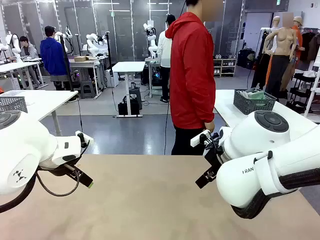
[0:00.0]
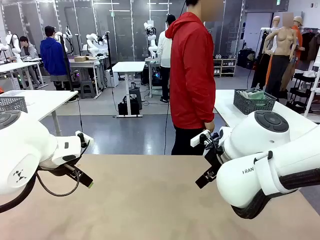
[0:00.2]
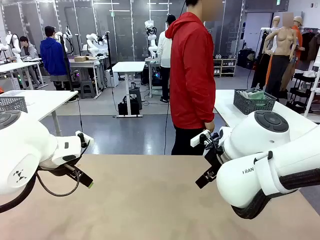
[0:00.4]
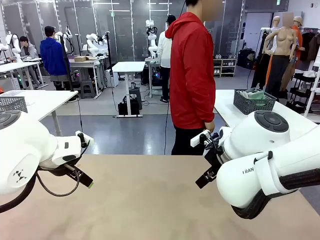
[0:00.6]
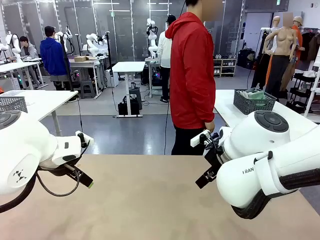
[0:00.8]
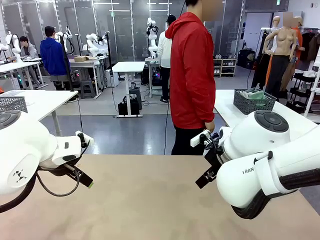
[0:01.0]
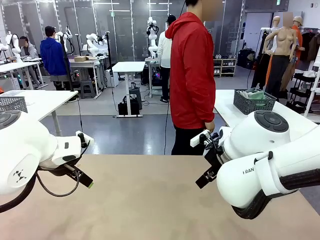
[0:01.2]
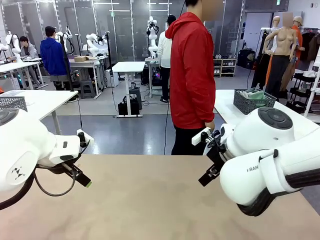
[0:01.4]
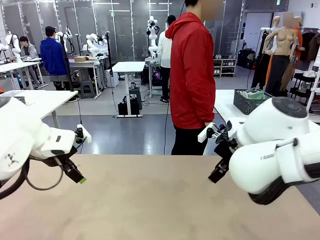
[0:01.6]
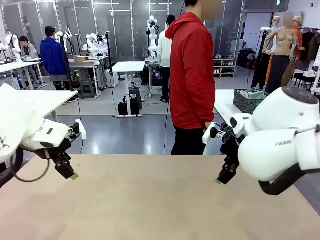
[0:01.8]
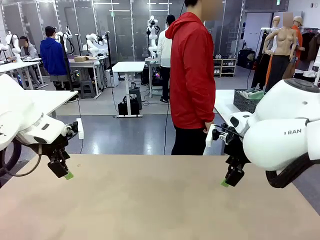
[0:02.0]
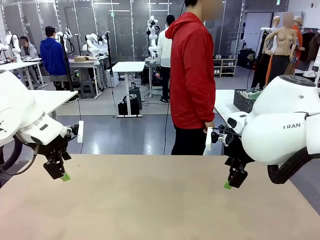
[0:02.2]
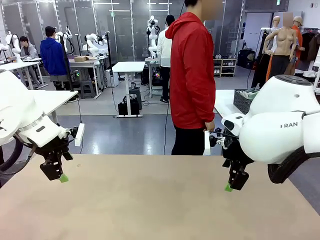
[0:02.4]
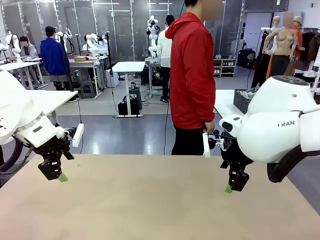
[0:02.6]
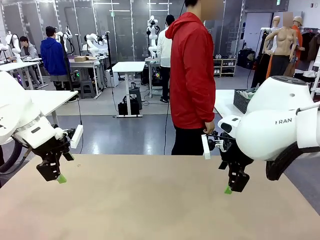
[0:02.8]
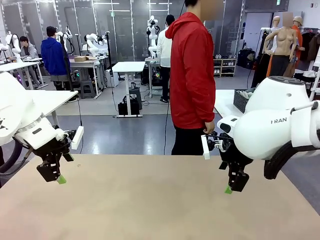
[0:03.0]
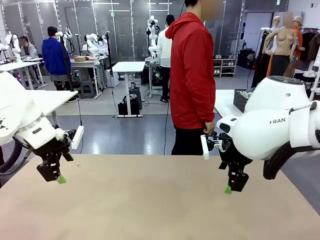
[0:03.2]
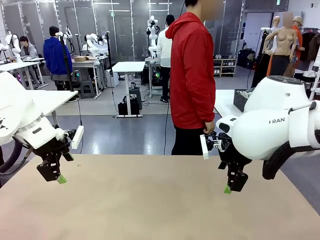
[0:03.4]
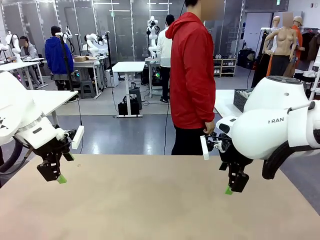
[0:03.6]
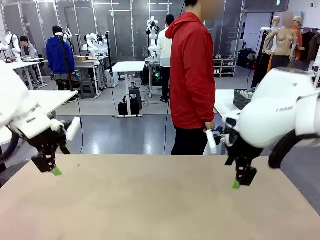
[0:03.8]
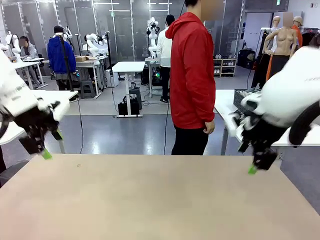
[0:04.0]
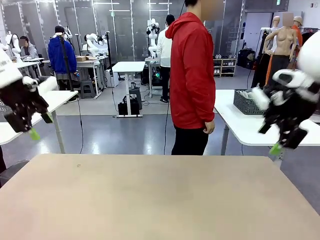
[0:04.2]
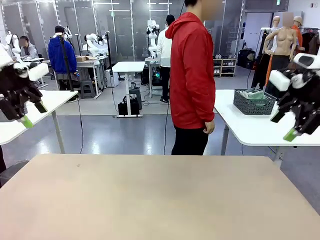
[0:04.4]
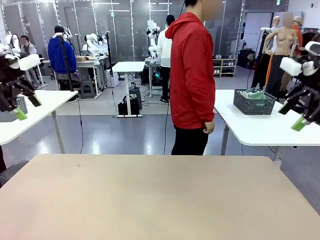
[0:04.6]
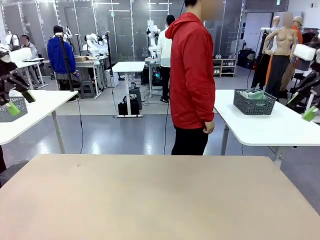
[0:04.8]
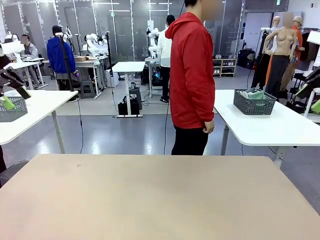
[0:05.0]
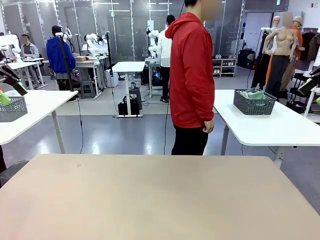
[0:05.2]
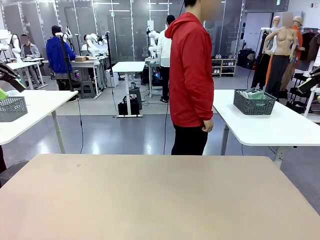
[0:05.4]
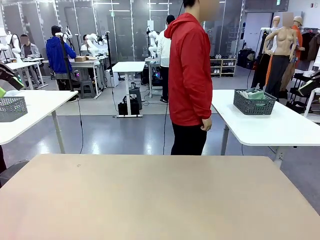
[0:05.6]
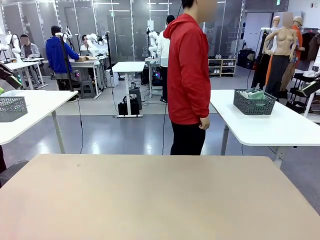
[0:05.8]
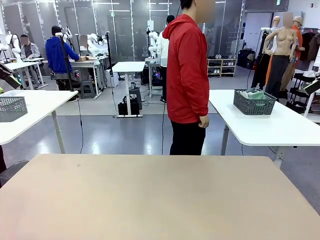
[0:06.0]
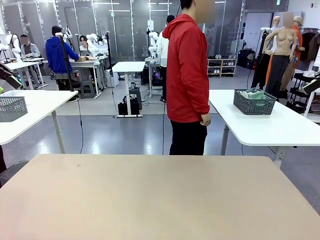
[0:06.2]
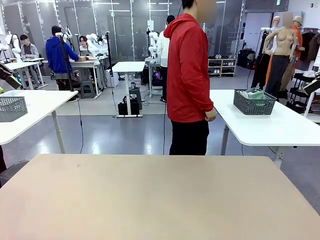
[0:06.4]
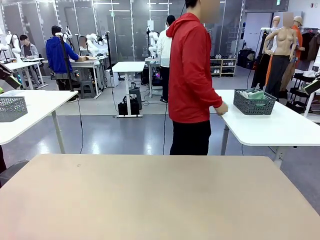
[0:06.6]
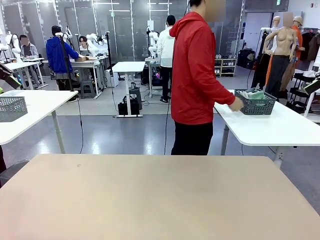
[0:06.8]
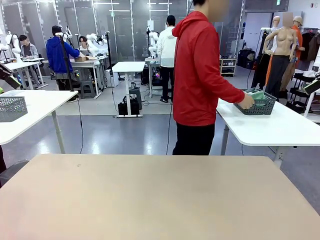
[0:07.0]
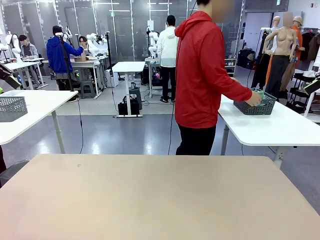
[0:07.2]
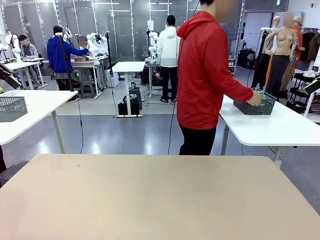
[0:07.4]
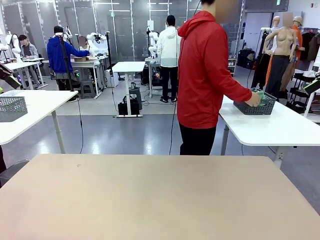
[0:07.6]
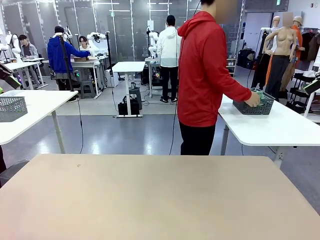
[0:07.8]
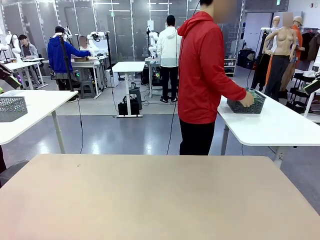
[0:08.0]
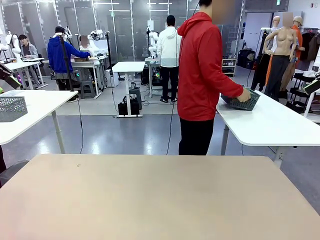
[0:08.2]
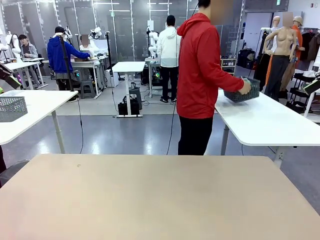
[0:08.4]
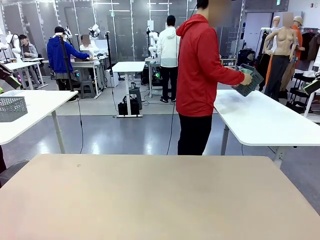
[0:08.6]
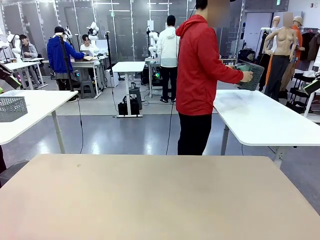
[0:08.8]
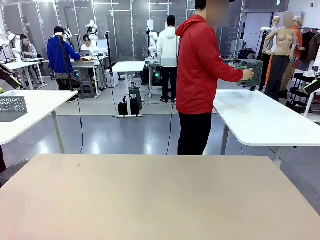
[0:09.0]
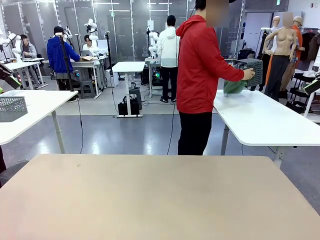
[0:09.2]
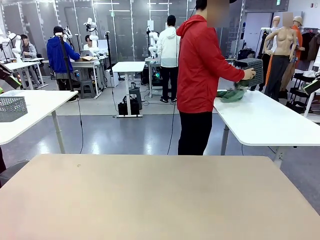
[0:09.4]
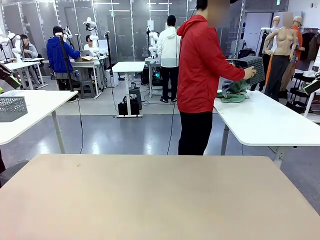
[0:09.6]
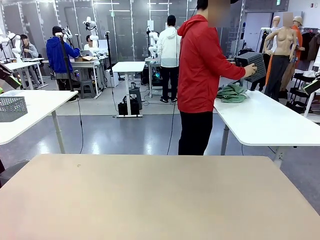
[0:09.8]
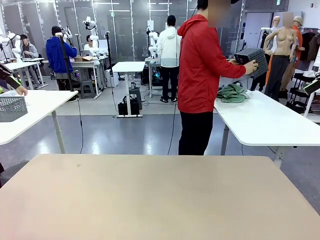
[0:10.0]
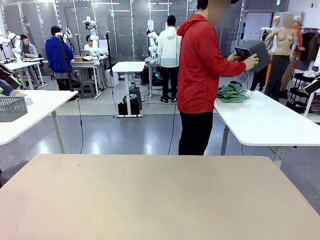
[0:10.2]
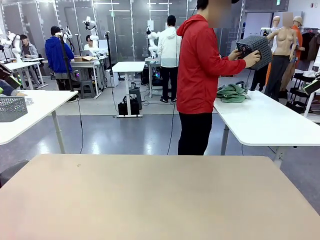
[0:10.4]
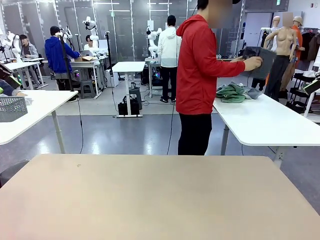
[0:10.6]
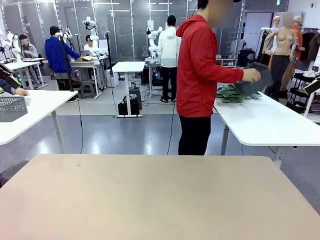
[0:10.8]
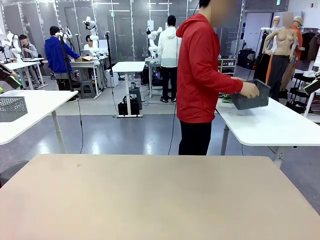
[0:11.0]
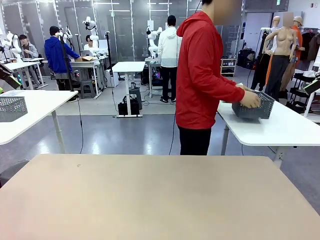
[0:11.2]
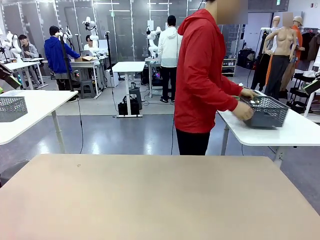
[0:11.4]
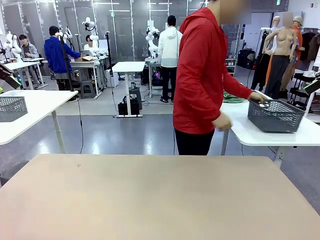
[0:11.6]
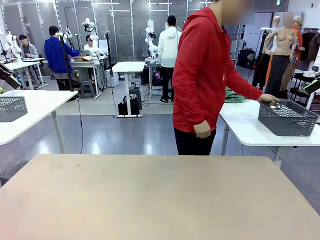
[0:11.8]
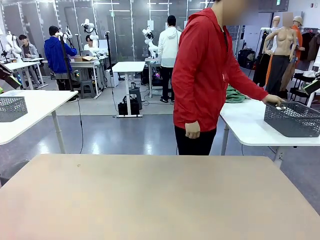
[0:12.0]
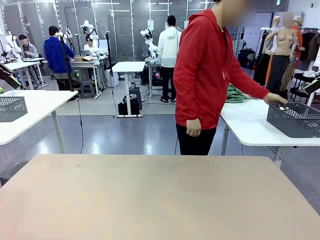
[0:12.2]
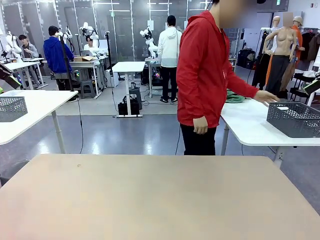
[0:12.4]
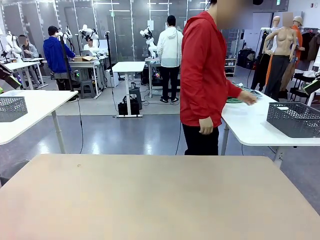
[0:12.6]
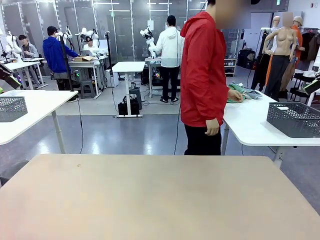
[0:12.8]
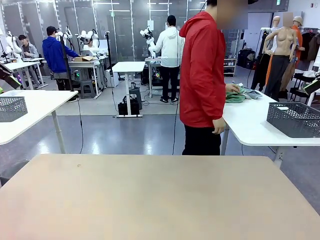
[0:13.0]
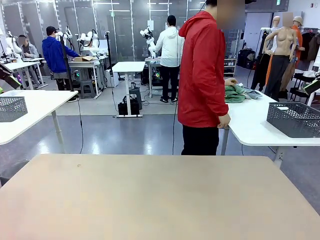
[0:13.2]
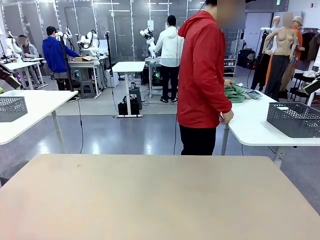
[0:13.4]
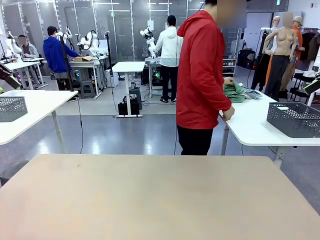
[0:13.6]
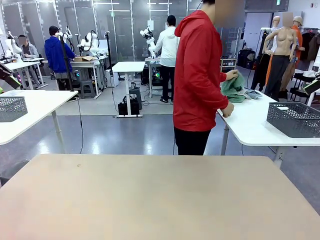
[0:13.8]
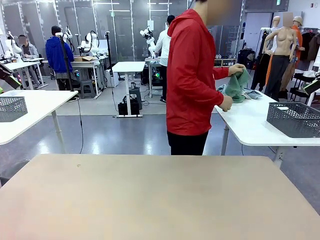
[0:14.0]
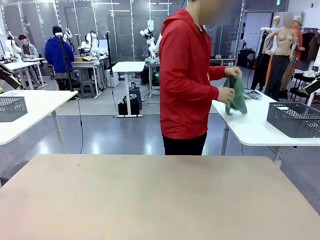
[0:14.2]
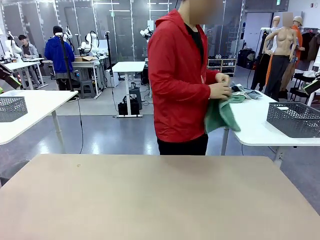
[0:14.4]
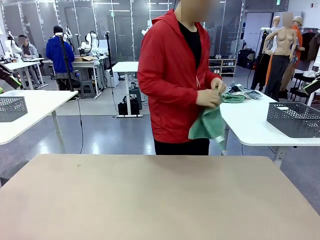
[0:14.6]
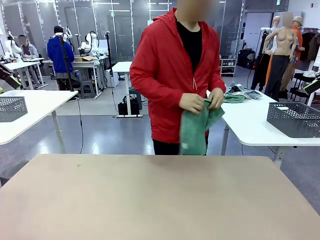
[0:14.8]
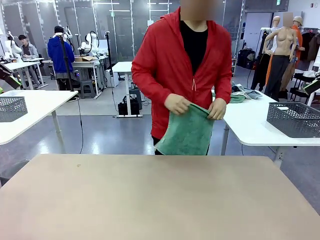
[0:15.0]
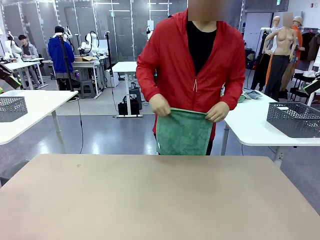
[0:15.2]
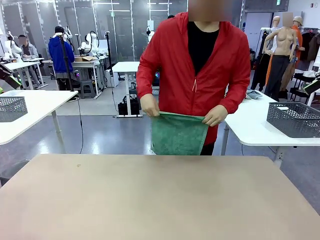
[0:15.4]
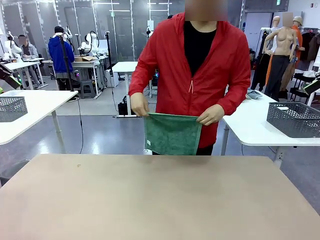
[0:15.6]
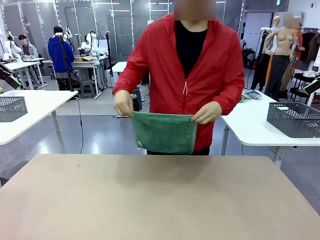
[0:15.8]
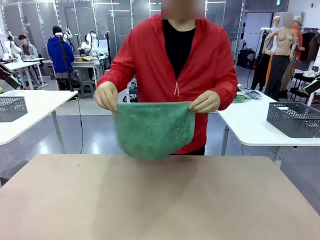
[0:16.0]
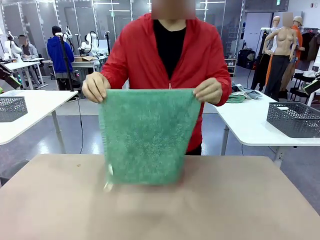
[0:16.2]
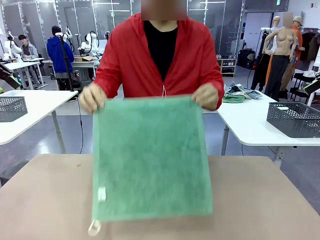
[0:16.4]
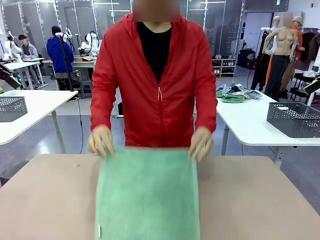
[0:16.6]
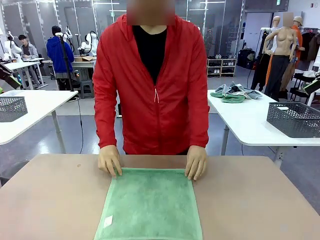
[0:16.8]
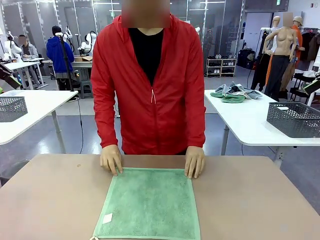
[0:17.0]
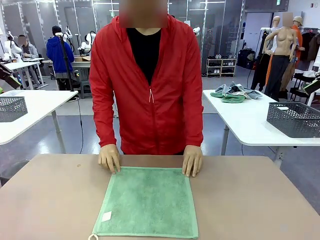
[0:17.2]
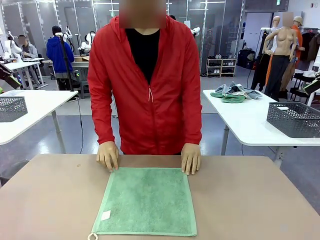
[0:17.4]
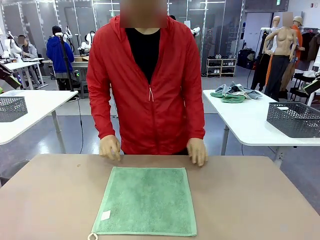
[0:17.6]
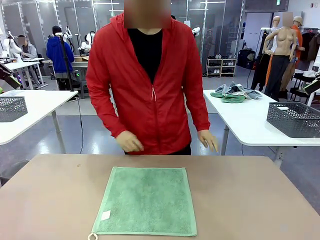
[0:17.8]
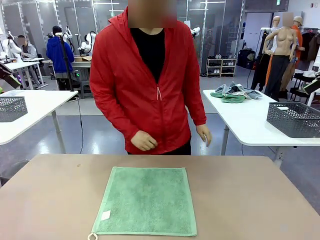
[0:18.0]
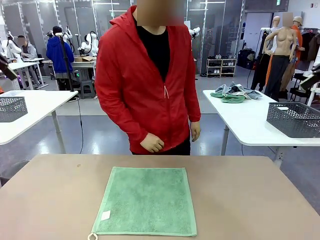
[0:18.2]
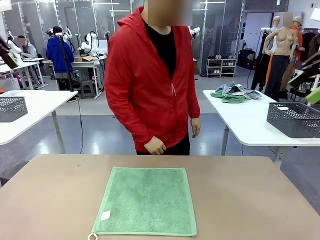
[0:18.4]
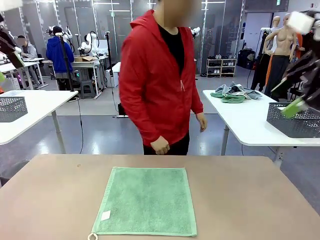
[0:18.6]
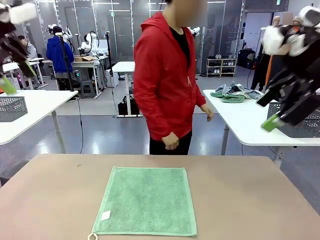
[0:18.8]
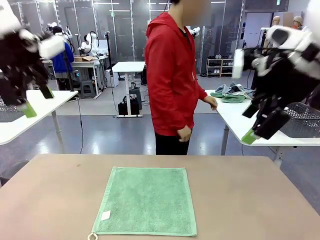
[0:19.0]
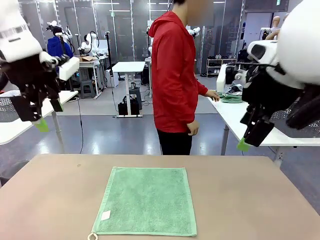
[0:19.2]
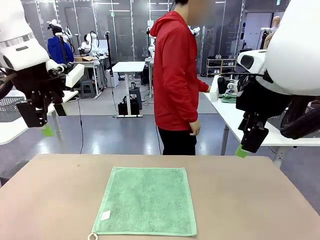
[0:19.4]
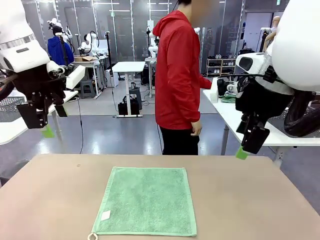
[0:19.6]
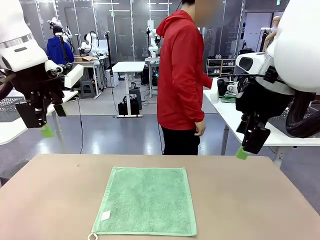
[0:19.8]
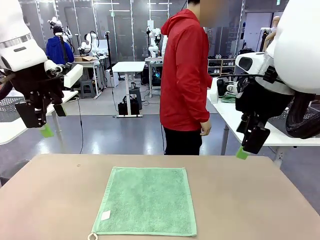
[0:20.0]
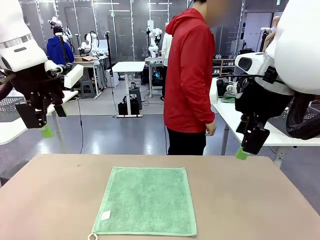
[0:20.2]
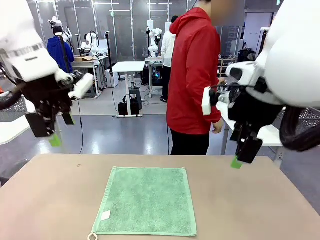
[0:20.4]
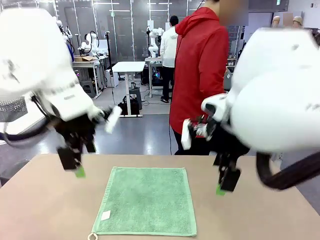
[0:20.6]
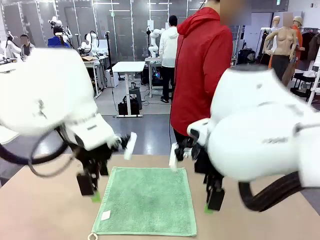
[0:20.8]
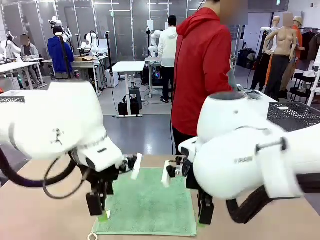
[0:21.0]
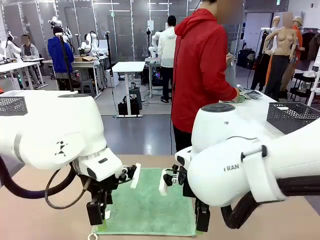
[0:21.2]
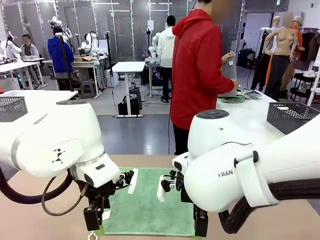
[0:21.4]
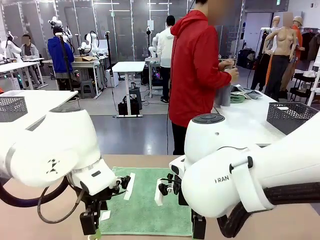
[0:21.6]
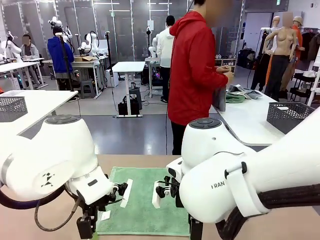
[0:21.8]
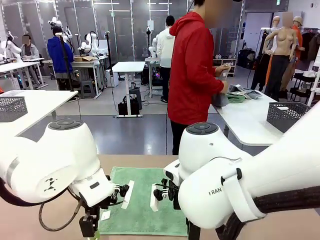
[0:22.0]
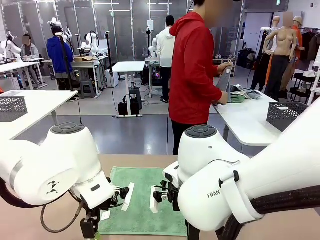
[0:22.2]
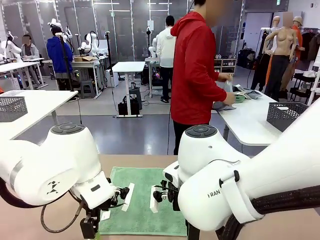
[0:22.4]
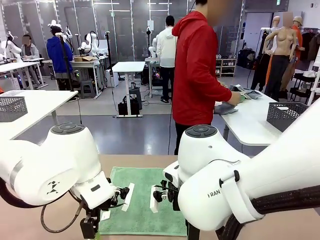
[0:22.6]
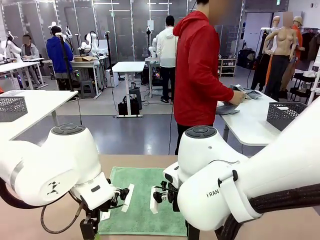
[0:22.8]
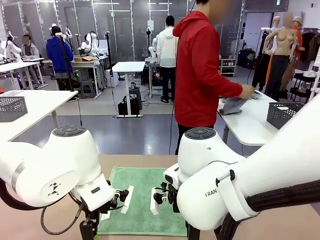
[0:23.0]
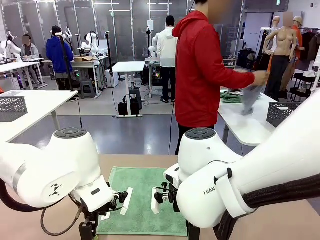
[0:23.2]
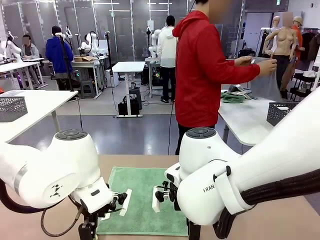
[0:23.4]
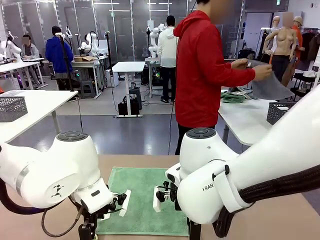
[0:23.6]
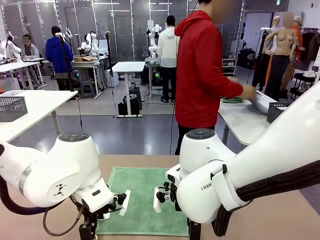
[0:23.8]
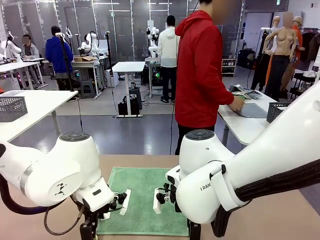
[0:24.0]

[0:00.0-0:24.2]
Task: Fold the towels and place them in the basket.
Robot: When a person lays out a Towel with hook on the table, fold it in half twice.
Person: Pick up the basket, pour the towels onto the left side of the human table, and place the basket on the right side. Pick up one towel and spread it out at the center of the robot table.
